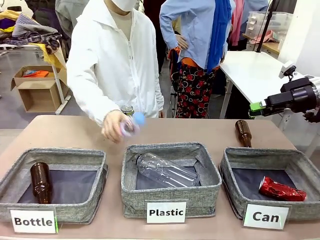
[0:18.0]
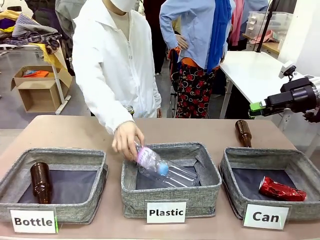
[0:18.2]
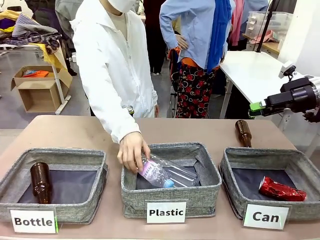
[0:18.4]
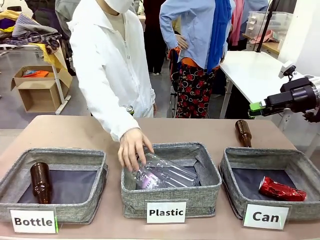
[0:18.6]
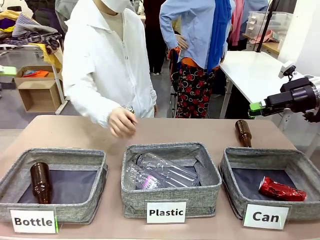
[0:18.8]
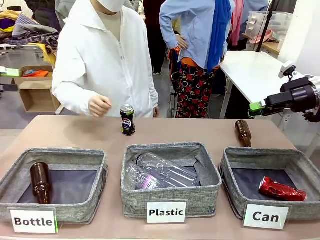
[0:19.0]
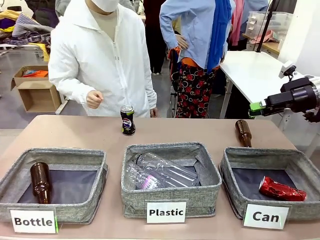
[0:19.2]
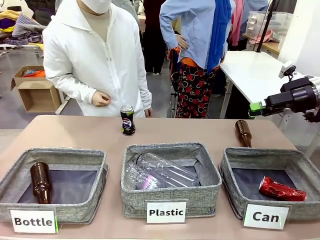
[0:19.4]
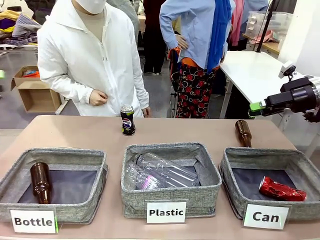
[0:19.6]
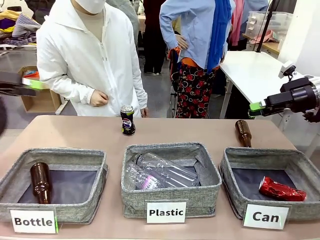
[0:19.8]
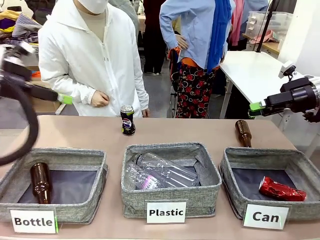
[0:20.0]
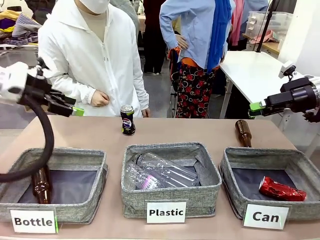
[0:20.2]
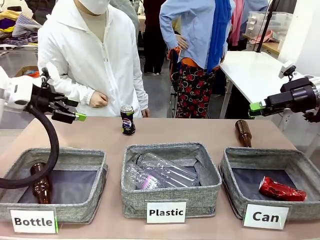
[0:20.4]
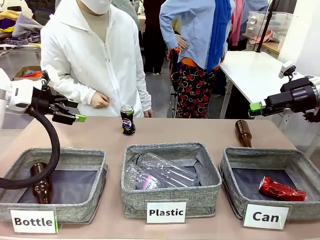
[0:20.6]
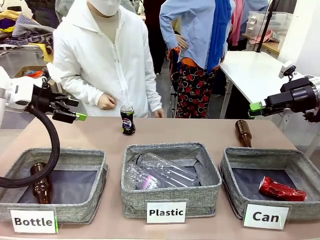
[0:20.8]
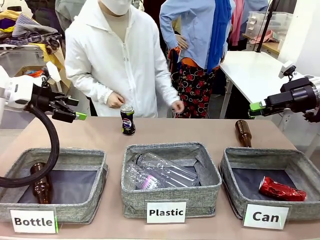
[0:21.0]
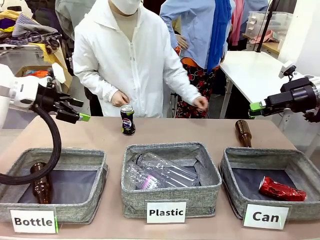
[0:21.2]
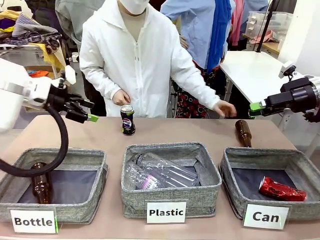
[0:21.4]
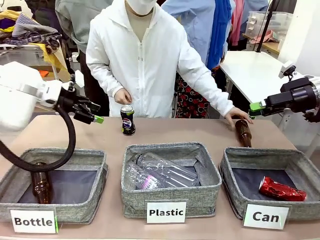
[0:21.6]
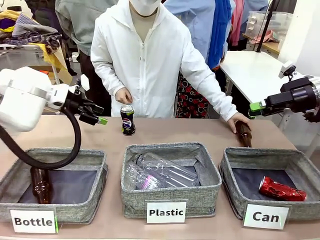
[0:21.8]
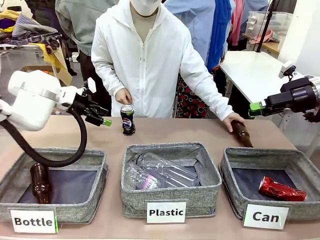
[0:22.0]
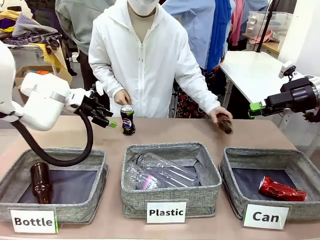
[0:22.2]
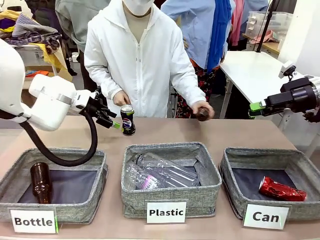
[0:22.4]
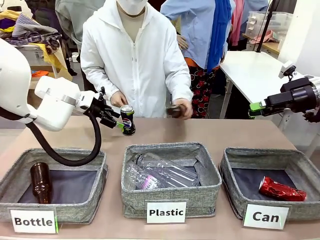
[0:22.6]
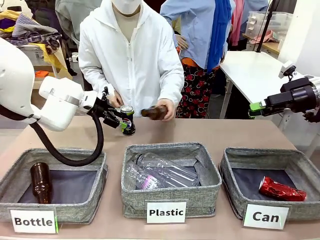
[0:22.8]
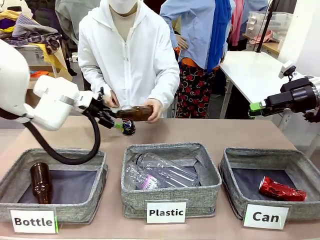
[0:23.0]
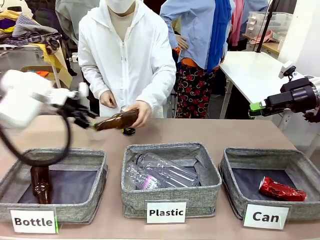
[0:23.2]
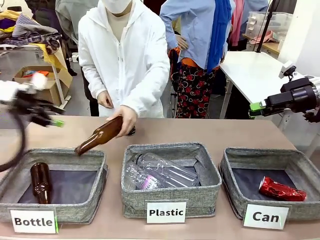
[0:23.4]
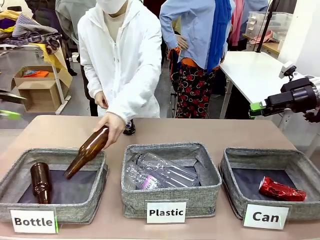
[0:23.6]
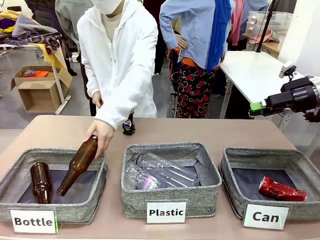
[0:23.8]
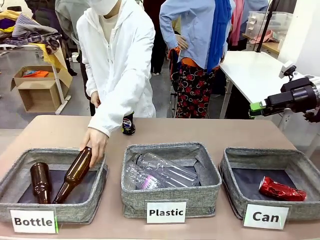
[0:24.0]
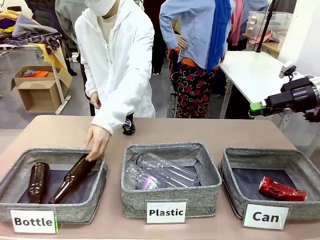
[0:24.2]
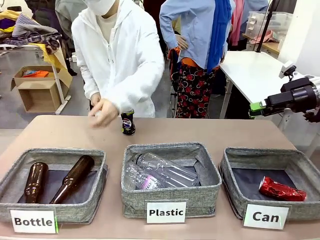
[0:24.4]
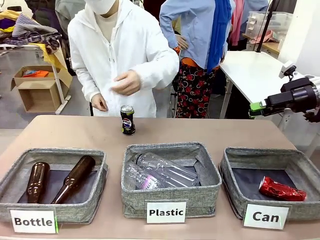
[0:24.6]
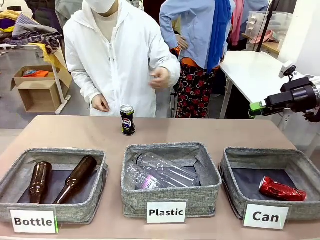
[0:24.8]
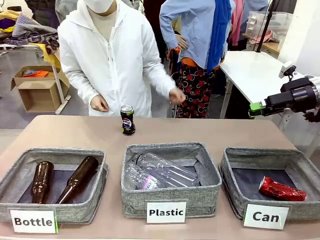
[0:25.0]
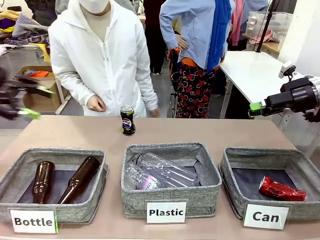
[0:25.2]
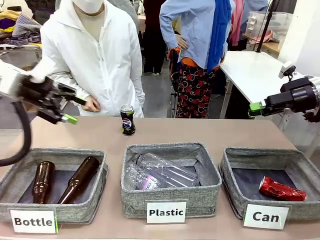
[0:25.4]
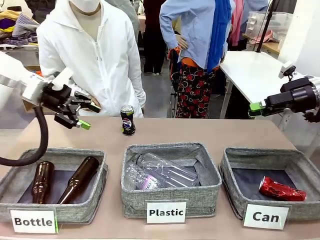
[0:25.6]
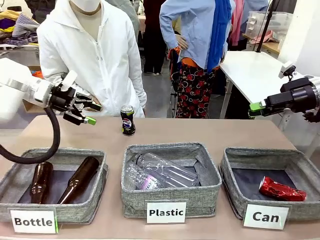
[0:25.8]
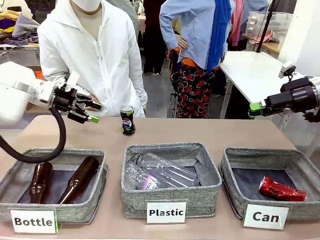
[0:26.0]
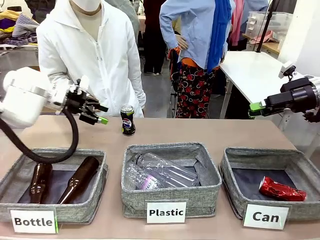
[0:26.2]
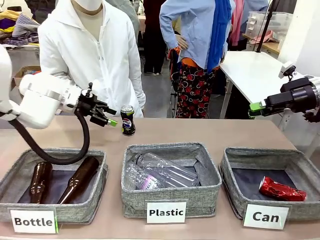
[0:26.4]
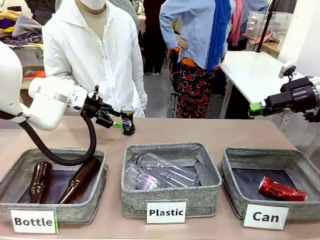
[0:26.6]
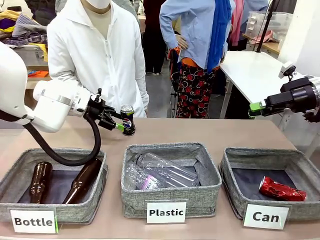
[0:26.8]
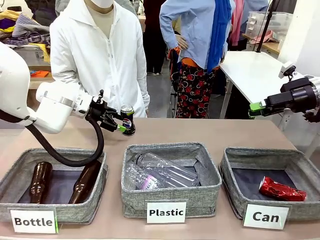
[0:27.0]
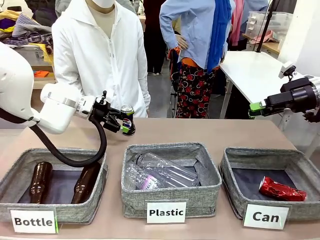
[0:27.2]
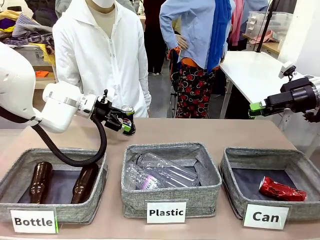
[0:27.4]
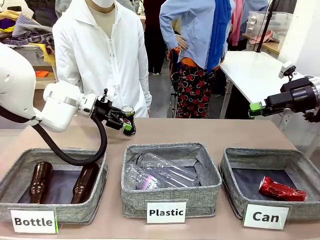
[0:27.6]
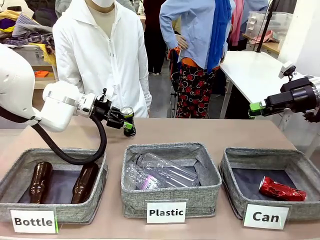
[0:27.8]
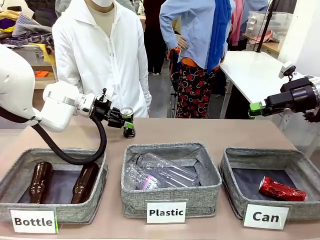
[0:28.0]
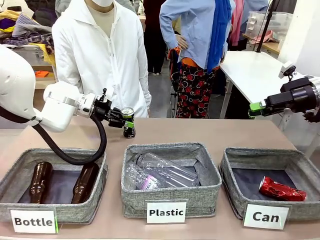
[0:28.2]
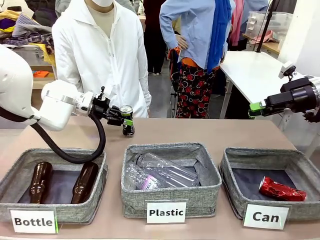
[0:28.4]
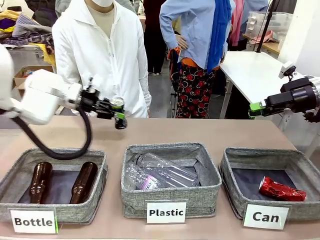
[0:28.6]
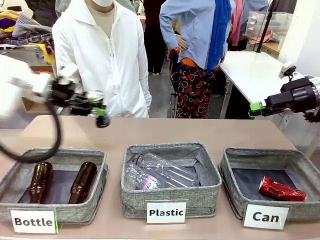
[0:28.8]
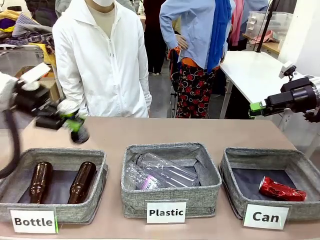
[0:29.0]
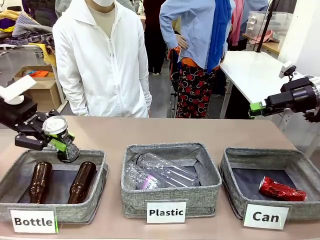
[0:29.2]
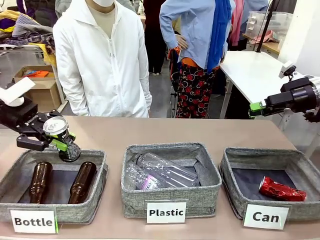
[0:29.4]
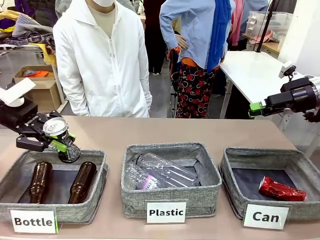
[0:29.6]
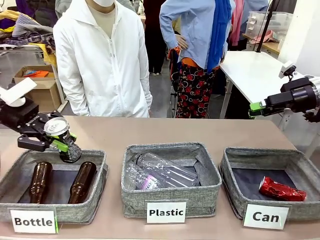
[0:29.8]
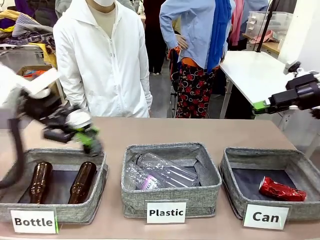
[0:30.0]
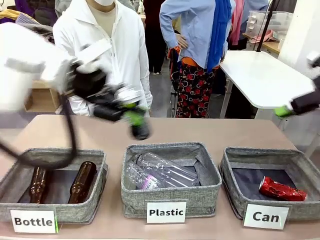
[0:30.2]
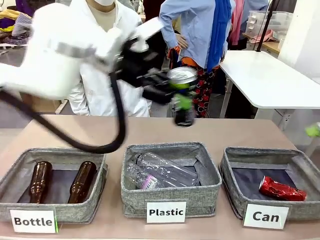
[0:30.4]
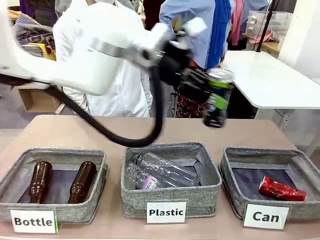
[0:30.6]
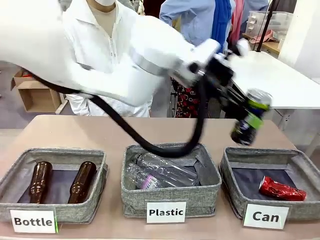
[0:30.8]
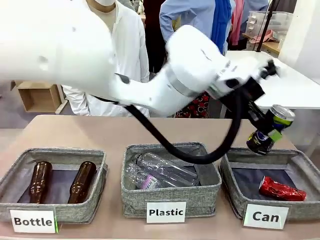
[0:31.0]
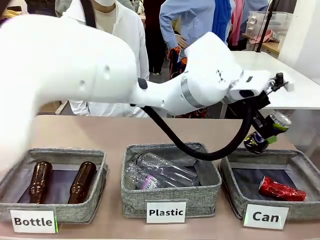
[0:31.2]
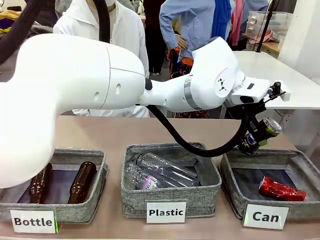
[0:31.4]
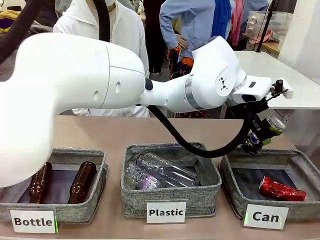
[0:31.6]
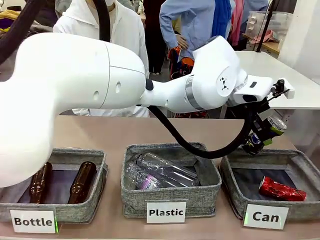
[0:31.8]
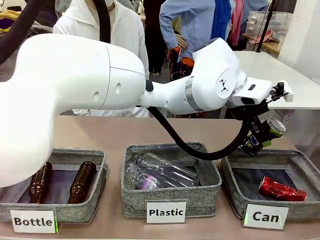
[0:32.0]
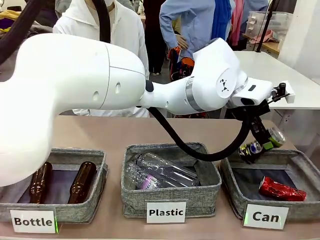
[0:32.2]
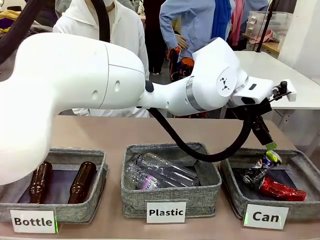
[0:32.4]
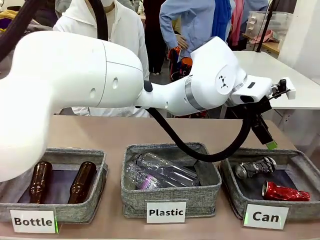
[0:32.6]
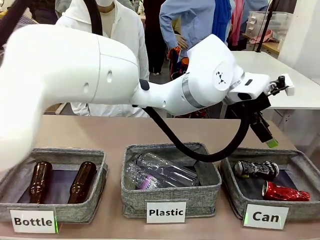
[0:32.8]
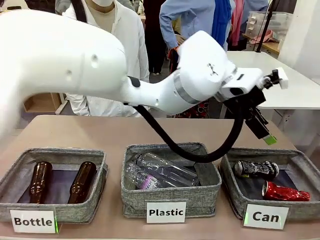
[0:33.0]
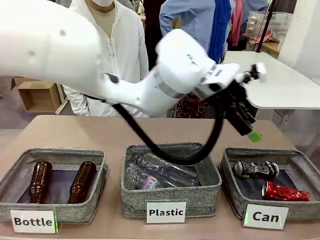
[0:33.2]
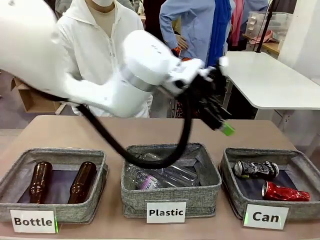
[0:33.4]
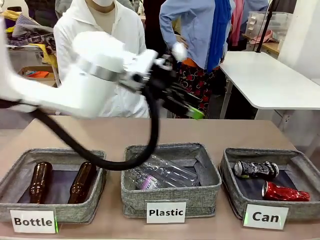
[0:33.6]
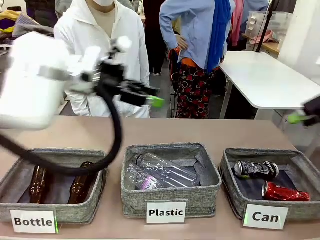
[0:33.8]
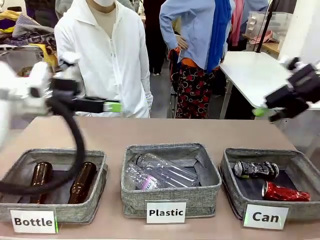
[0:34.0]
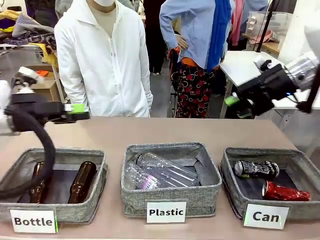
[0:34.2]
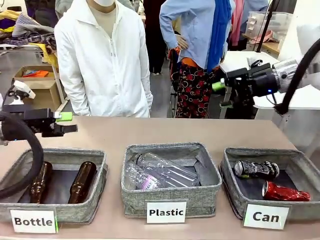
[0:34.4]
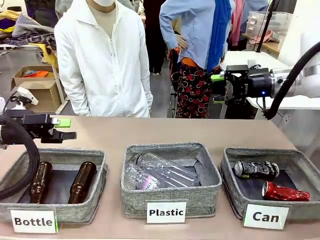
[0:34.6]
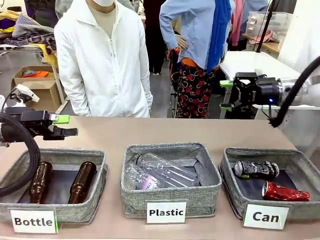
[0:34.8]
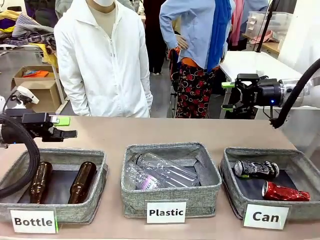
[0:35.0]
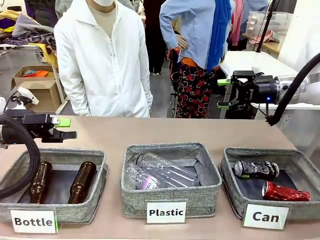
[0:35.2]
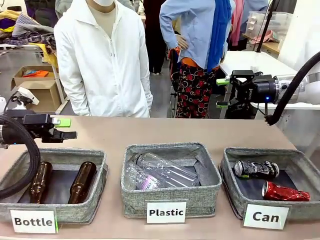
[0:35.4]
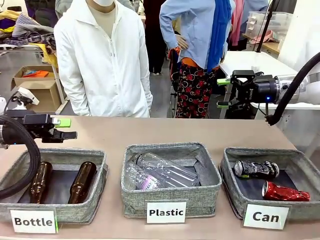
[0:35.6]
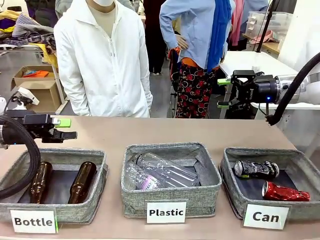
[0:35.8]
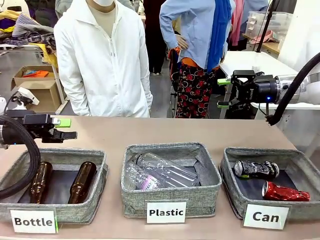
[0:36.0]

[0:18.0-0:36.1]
Task: Sort the can waste into the basket.
Robot: Pick up the can waste from the table and place it in the right Fabric basket.
Person: The human picks up one piece of trash that is not a can and places the trash into the appropriate organizing basket.
